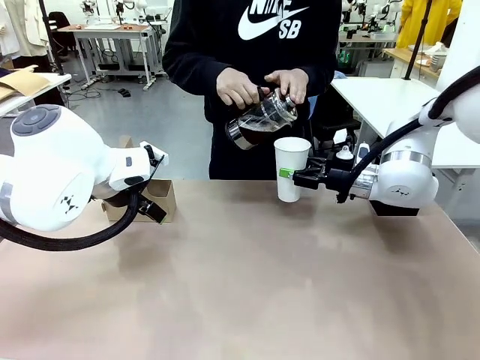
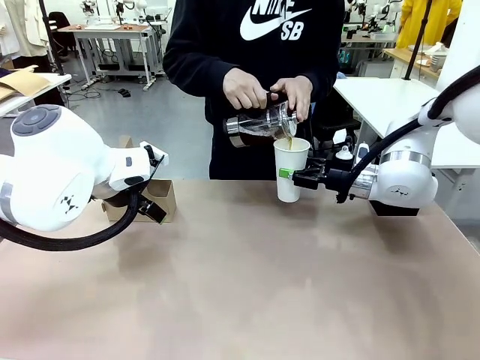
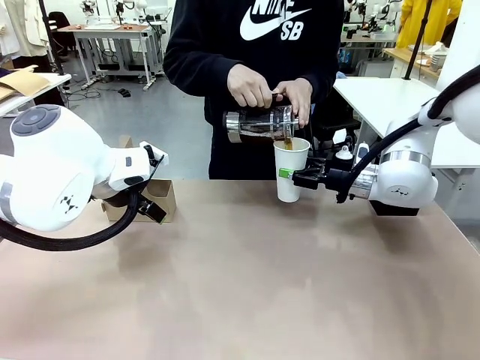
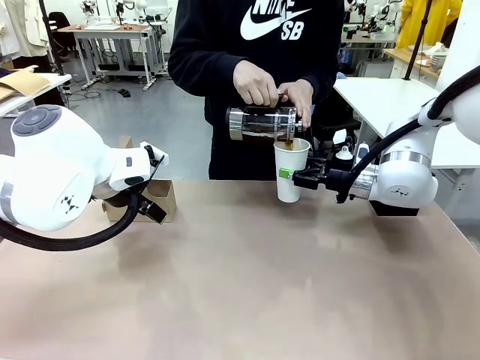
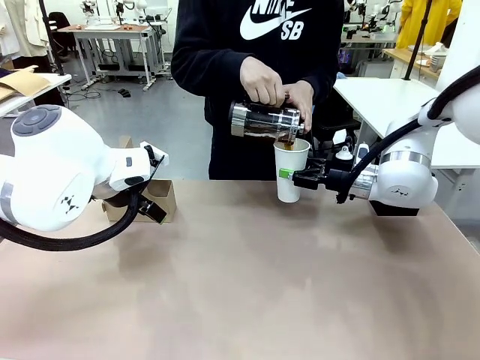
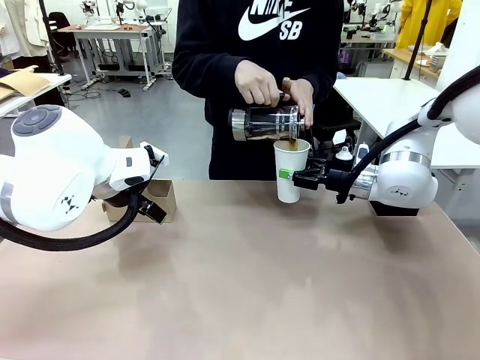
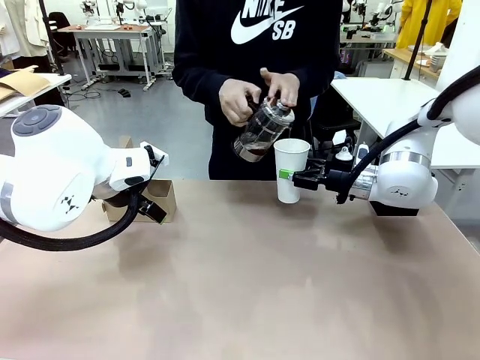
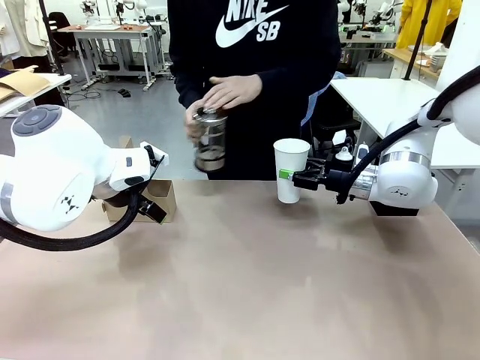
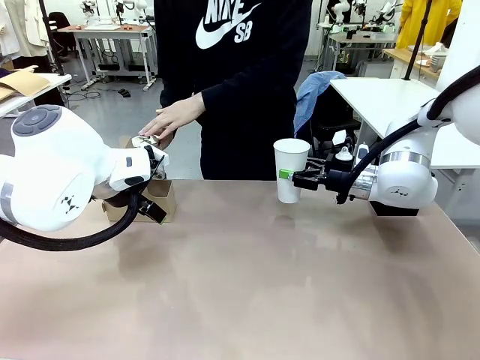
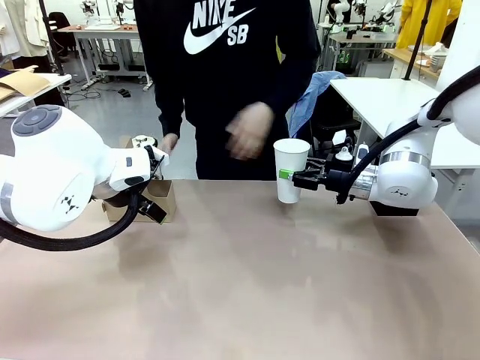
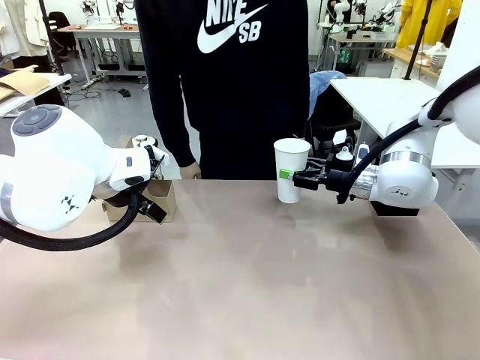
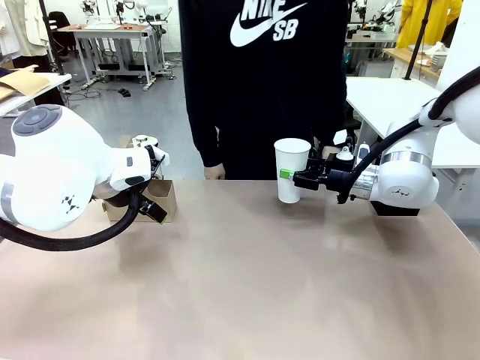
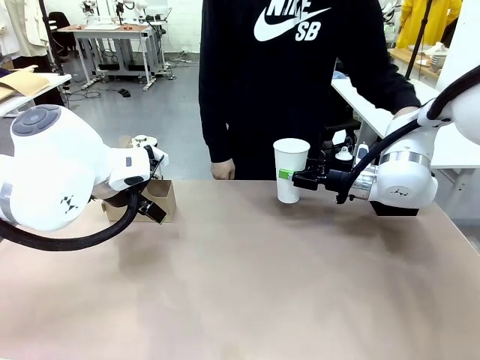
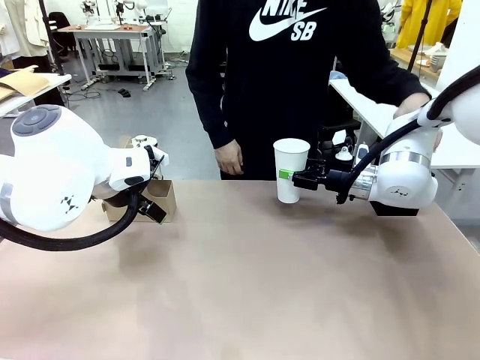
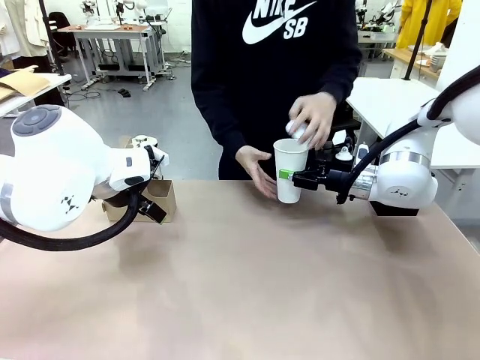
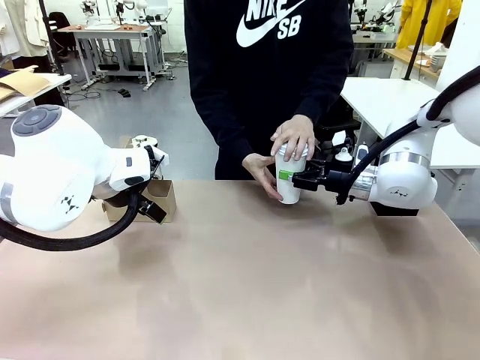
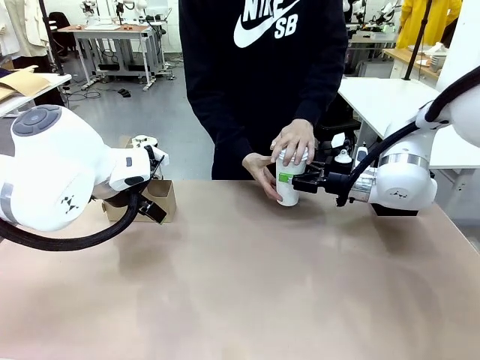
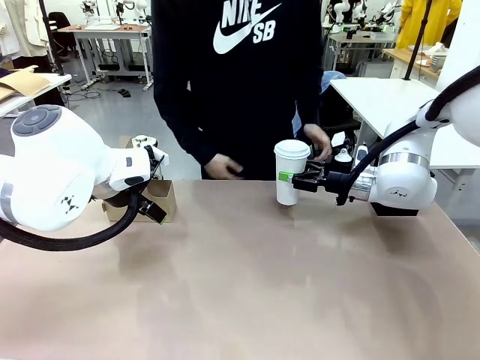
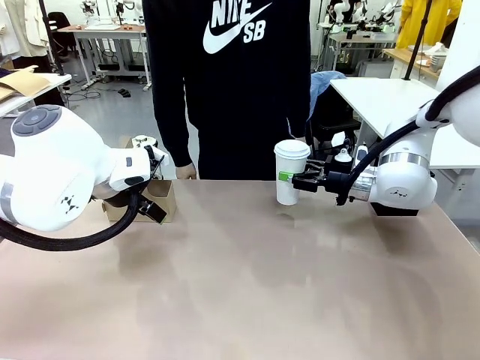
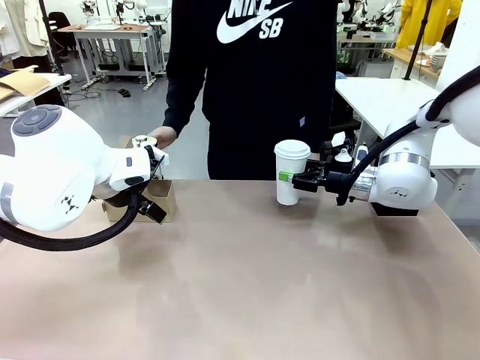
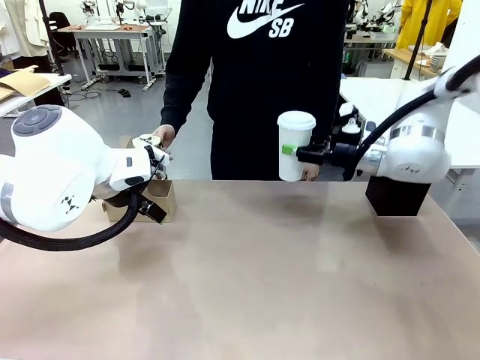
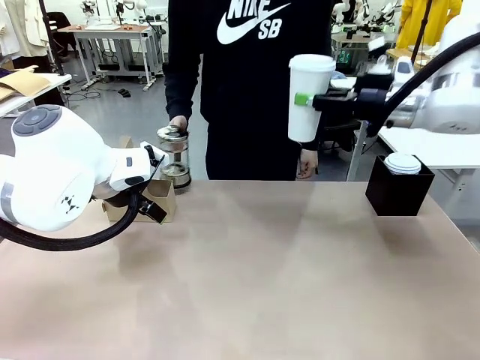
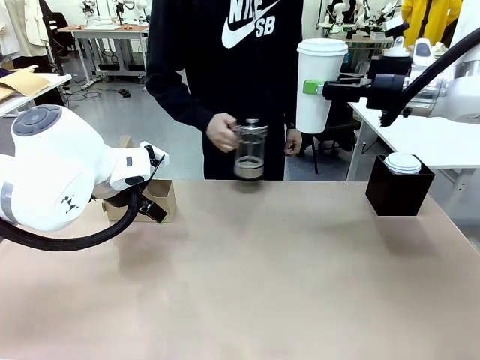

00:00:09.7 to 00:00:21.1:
Task: Pour a drink into a cup and package it in a carrier.
Robot: When a person places the Paper Cup Lid on the 600 ml Paper Cup , lift the 600 ml Paper Cup.
Person: Pour the drink from the Filter Brewing into the 600 ml Paper Cup. Place a Paper Cup Lid on the 600 ml Paper Cup.

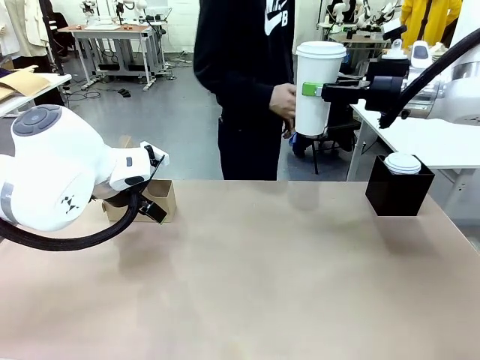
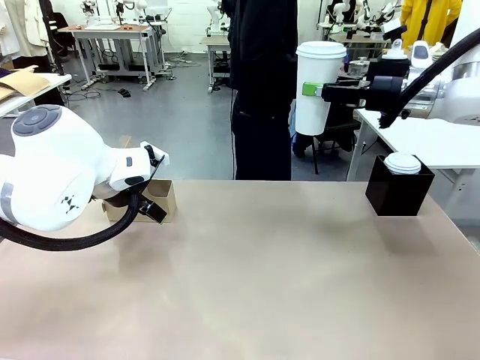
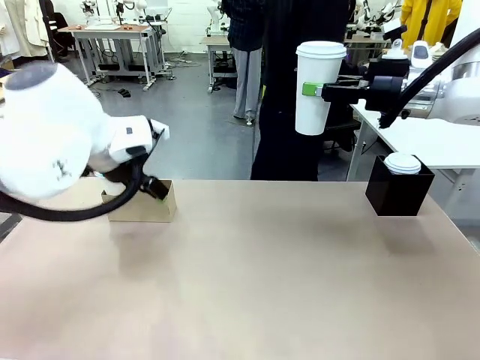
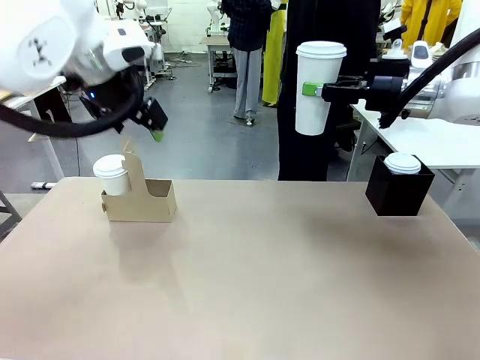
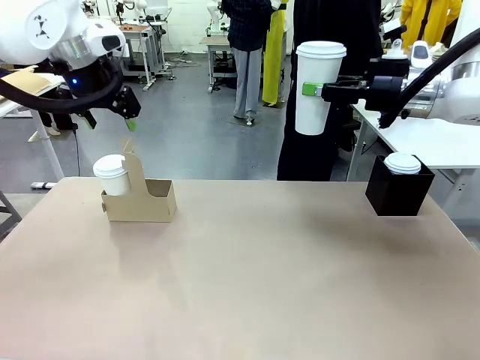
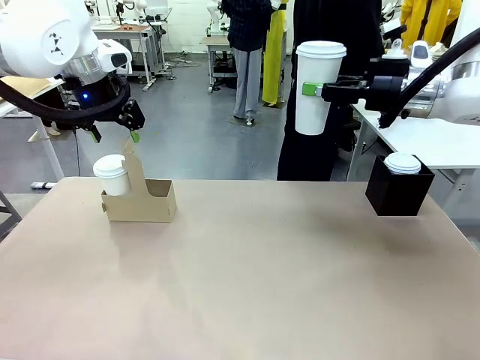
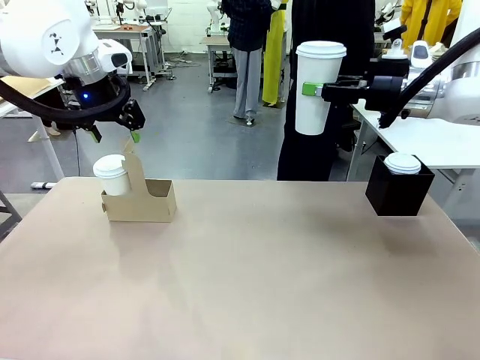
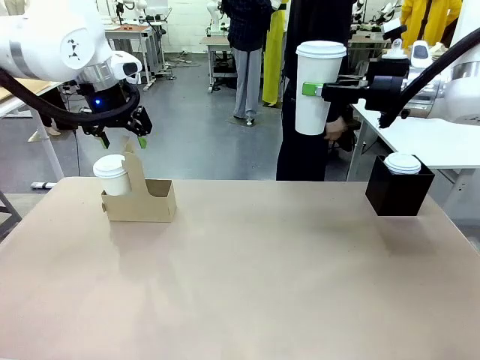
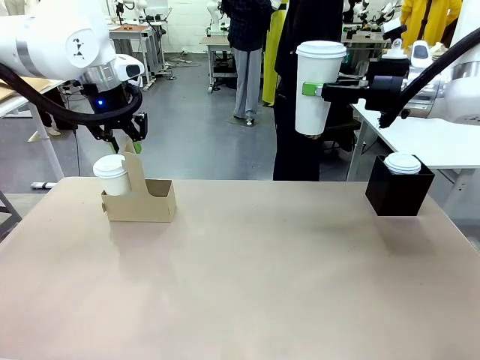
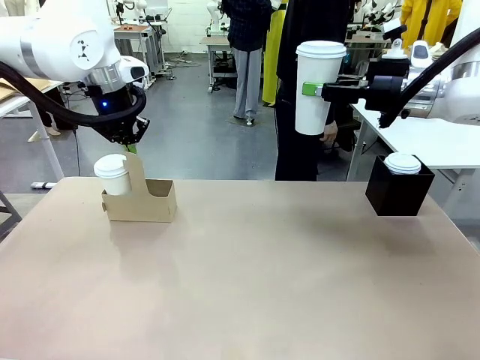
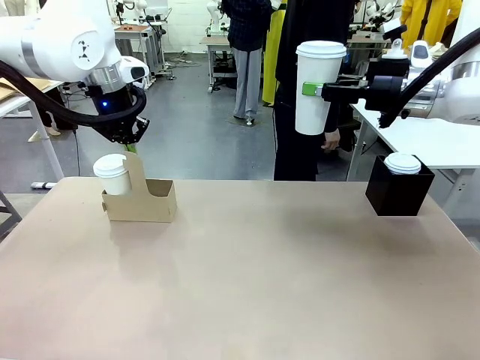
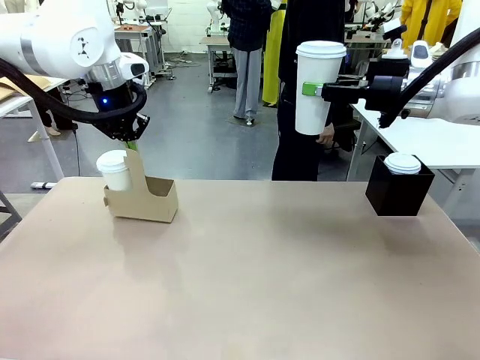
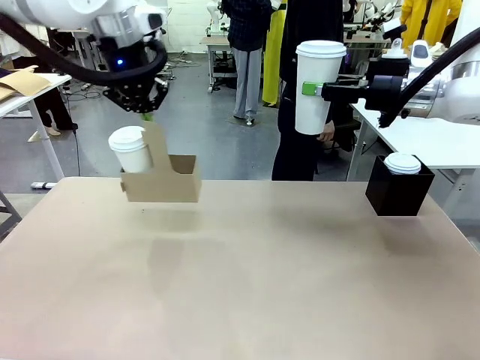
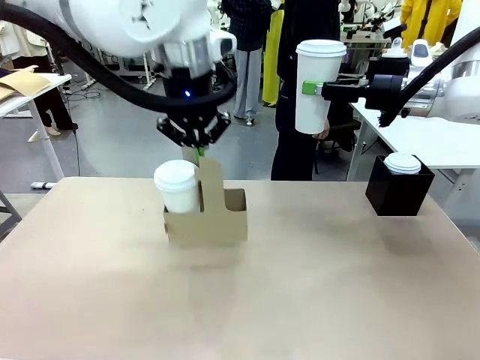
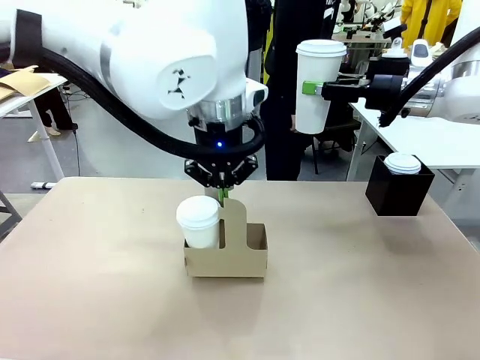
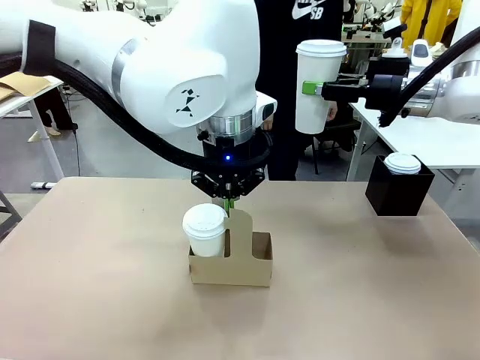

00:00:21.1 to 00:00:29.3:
Robot: Position the Cup Carrier in the center of the table.
Person: Pick up the Filter Brewing and place on the middle of Human table, and return to the Robot table.

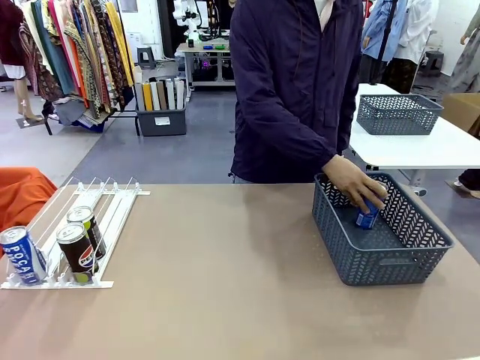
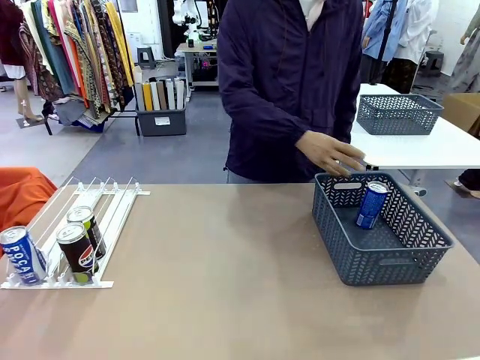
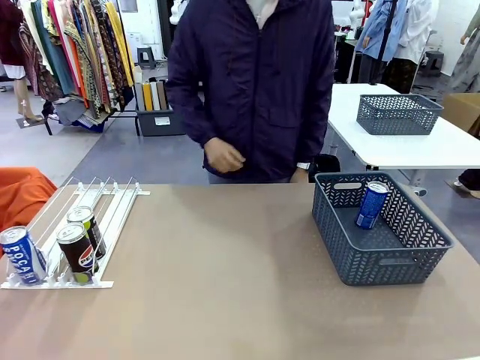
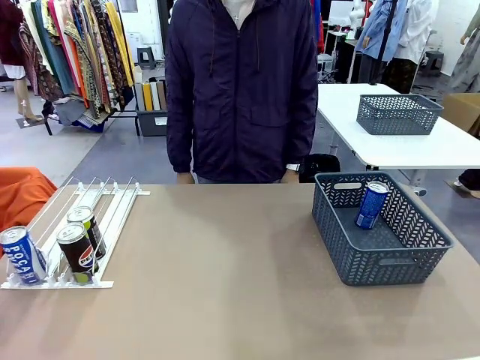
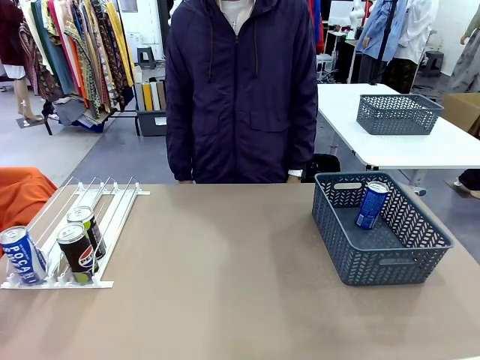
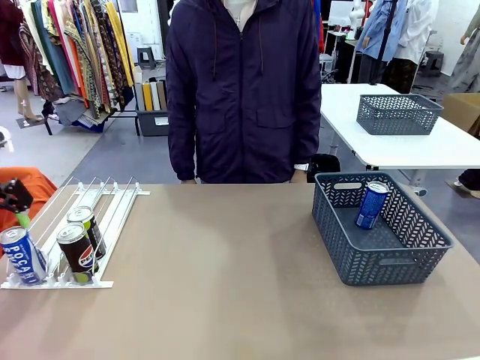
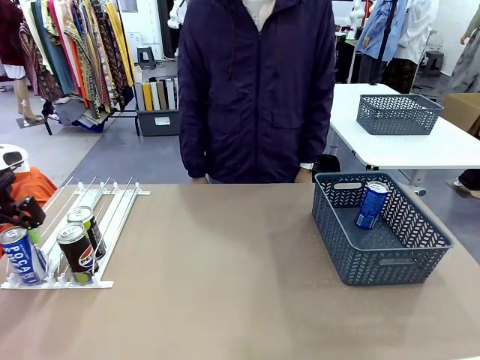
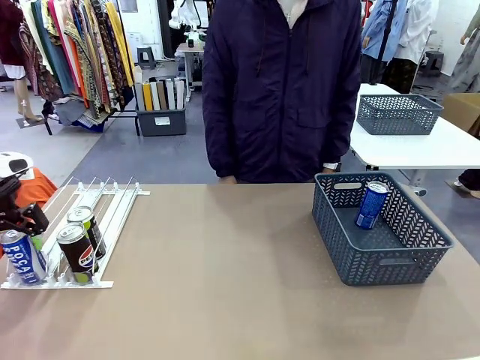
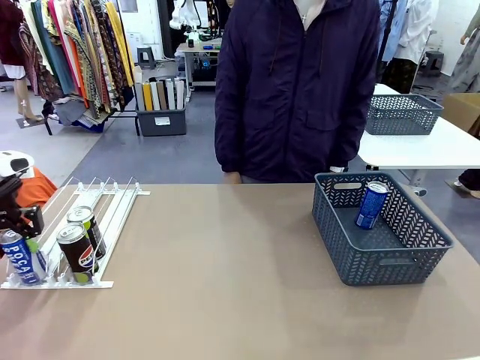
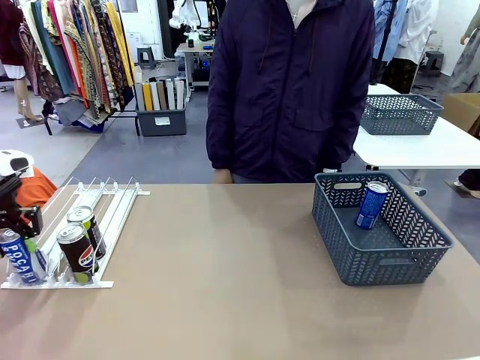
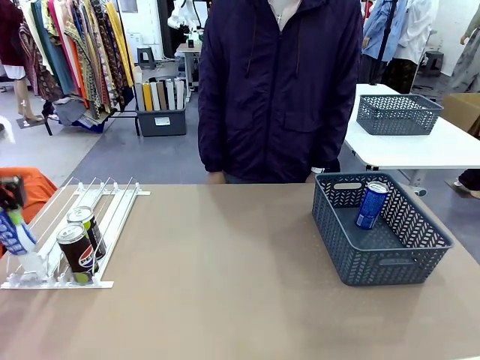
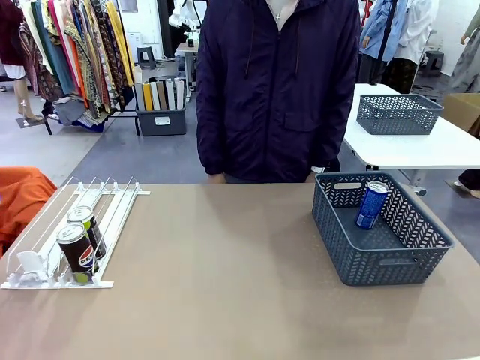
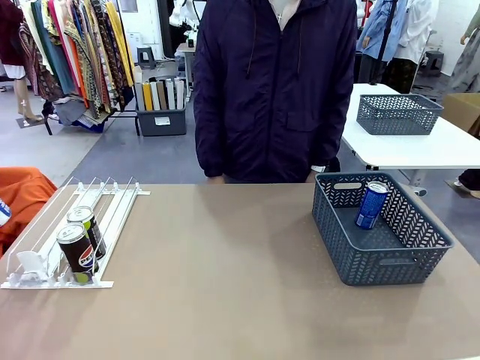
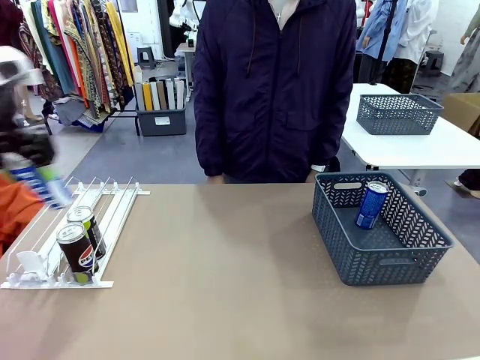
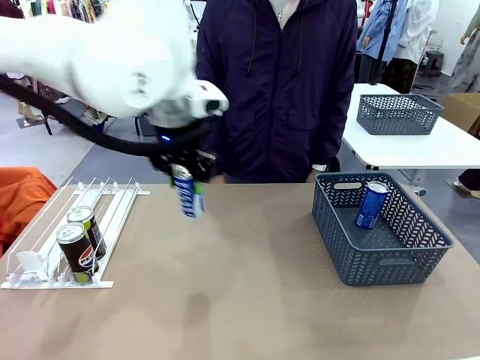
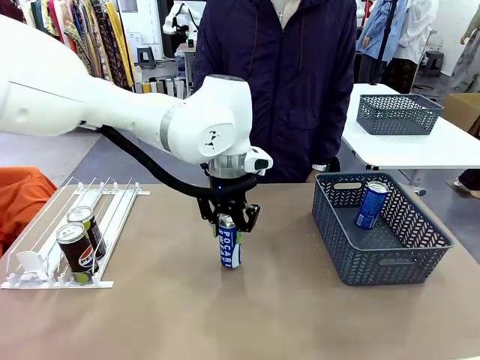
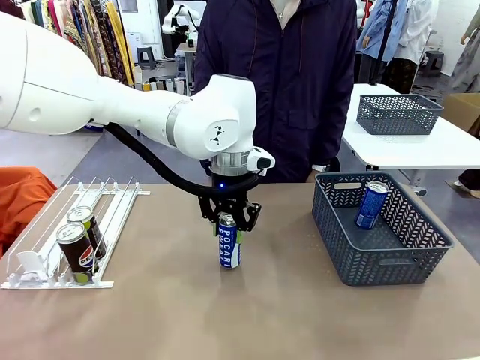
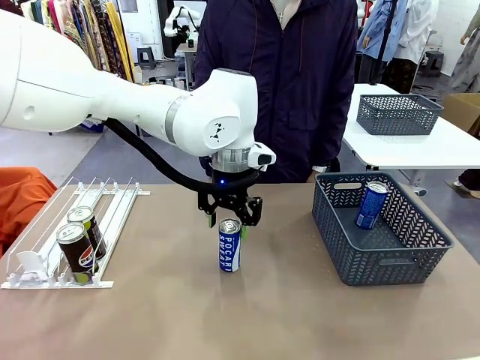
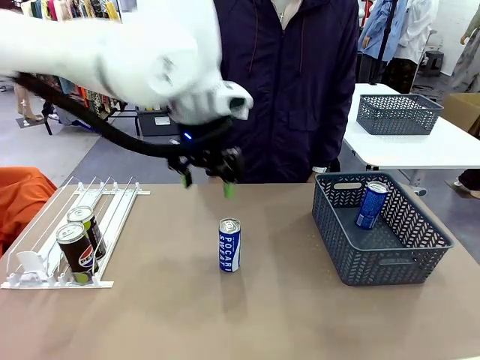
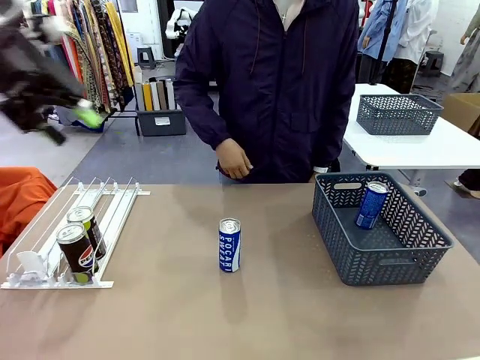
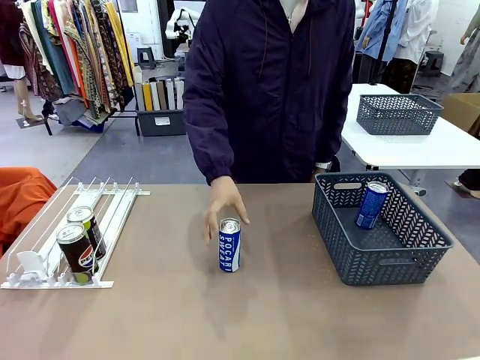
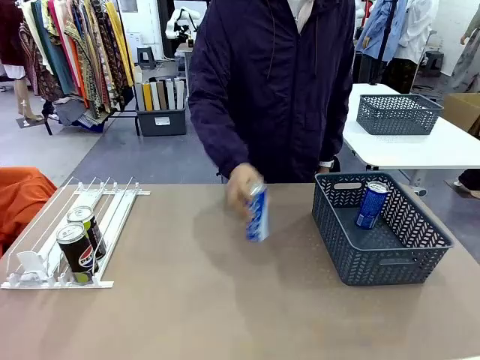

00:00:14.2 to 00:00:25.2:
Task: Retrieve and store the cans from the dispenser.
Robot: Pick up the last remaining can from one row of the Automatic Can Dispenser and place it in the middle of the table.
Person: Pick up one Pepsi can from the middle of the robot table and place it in the basket.
